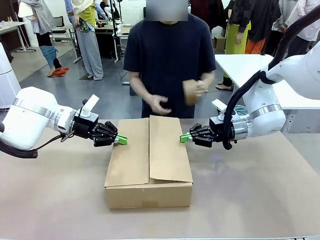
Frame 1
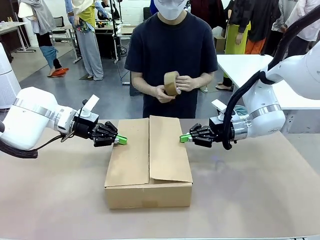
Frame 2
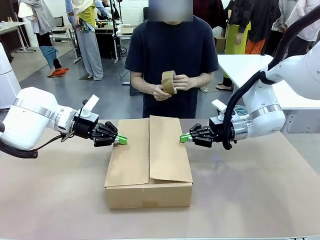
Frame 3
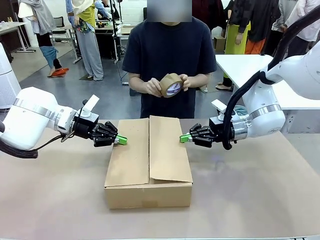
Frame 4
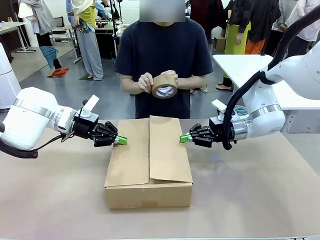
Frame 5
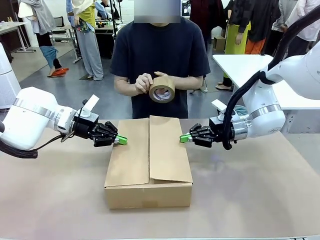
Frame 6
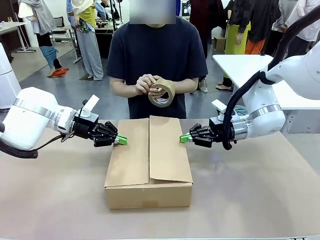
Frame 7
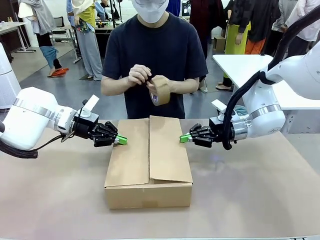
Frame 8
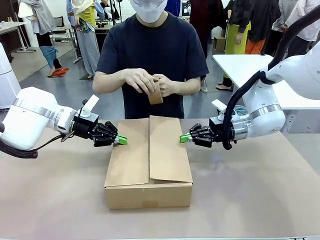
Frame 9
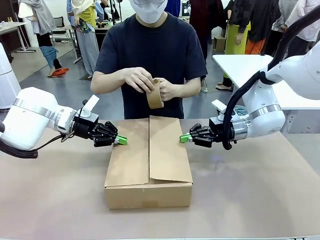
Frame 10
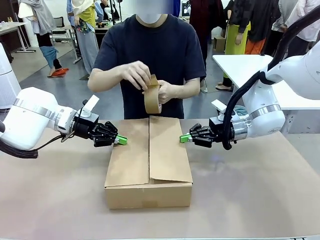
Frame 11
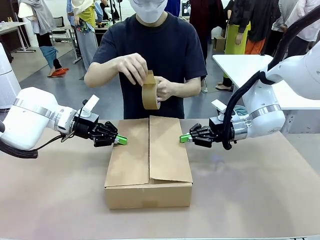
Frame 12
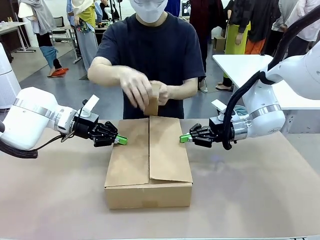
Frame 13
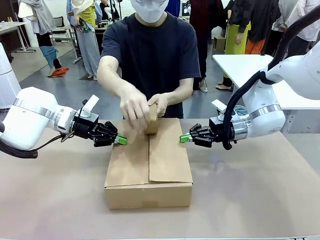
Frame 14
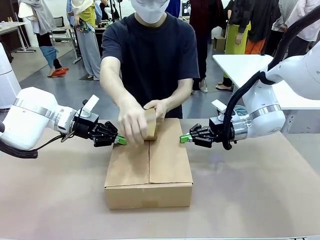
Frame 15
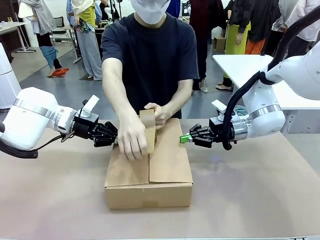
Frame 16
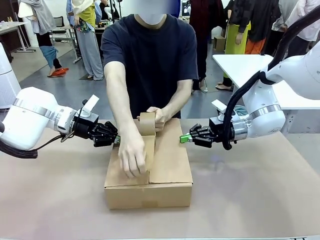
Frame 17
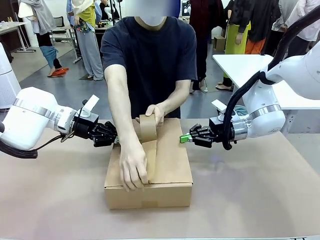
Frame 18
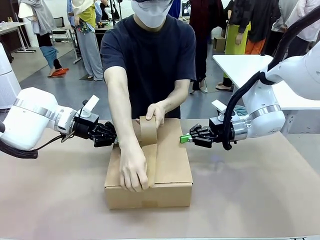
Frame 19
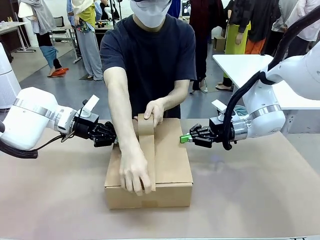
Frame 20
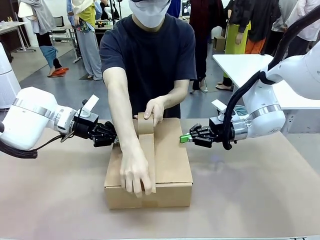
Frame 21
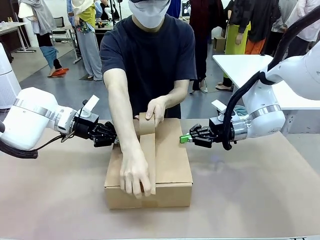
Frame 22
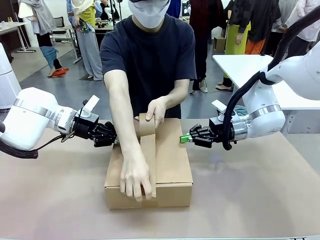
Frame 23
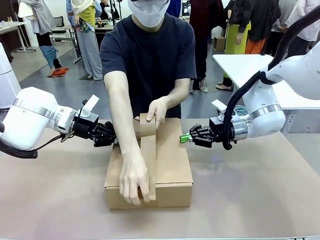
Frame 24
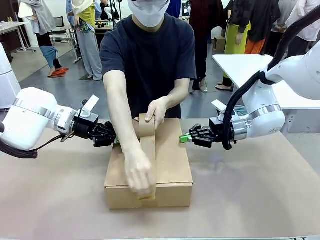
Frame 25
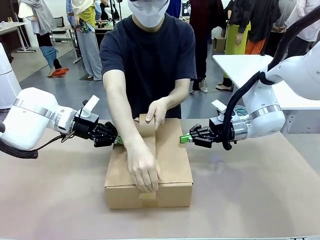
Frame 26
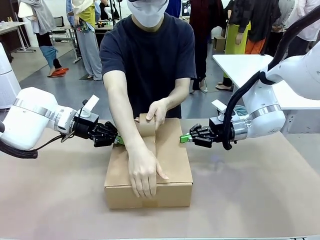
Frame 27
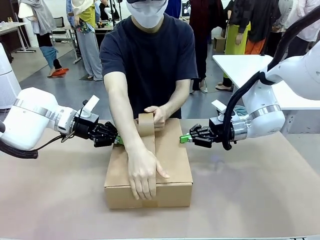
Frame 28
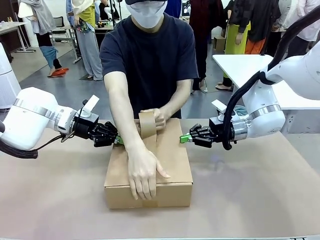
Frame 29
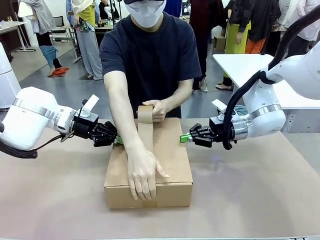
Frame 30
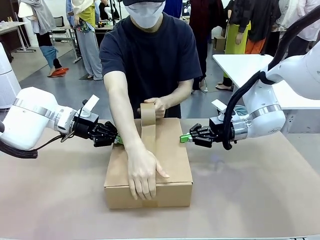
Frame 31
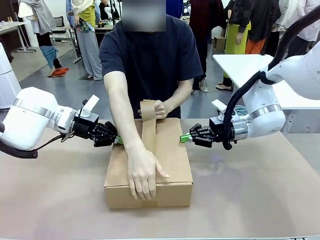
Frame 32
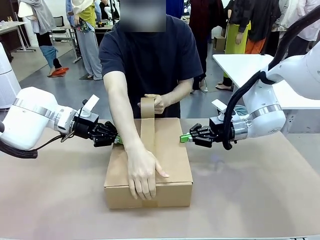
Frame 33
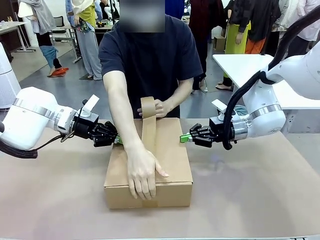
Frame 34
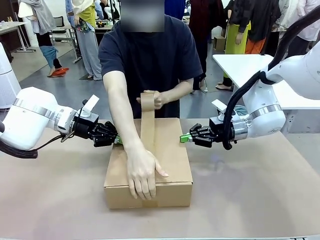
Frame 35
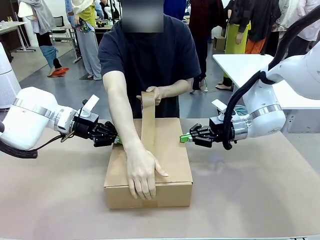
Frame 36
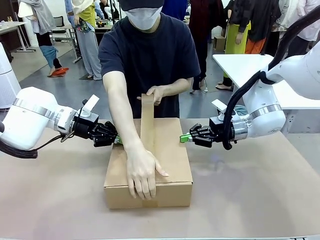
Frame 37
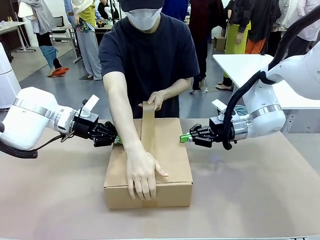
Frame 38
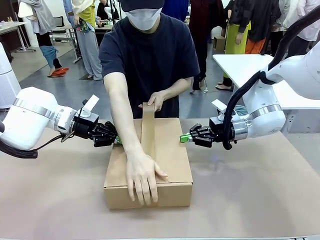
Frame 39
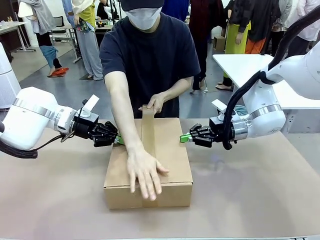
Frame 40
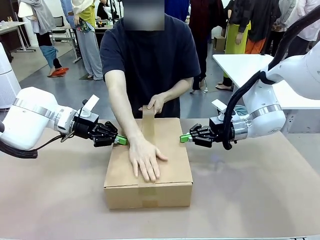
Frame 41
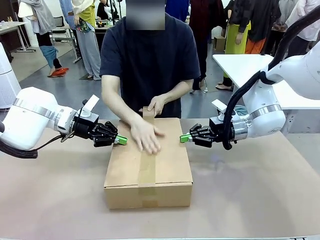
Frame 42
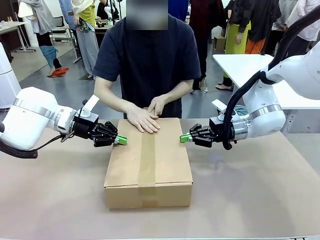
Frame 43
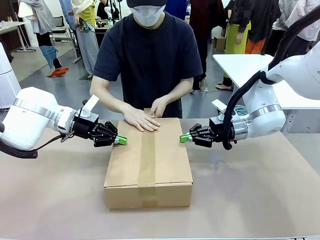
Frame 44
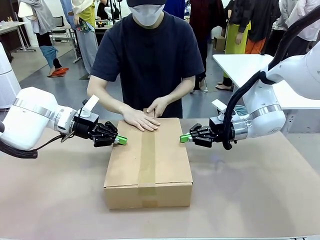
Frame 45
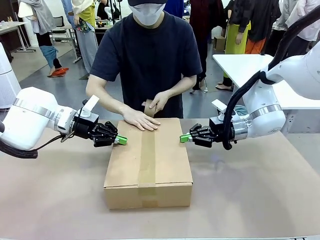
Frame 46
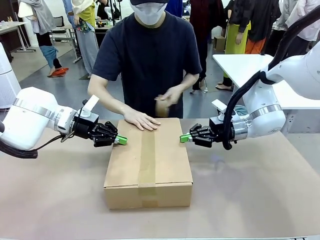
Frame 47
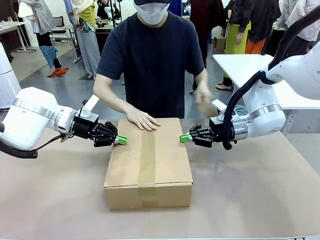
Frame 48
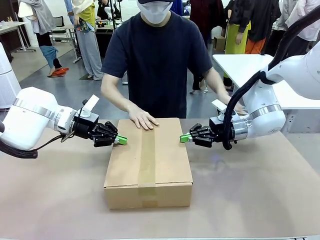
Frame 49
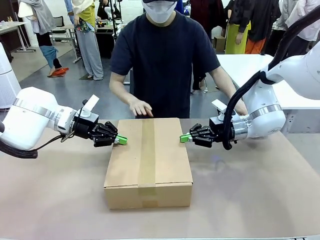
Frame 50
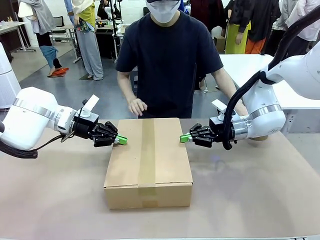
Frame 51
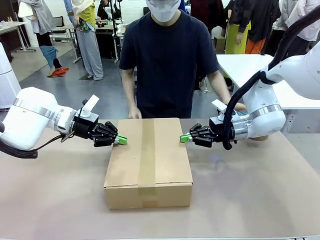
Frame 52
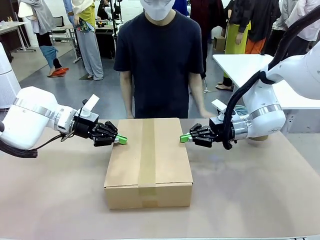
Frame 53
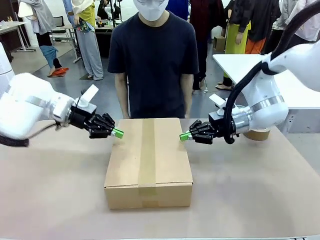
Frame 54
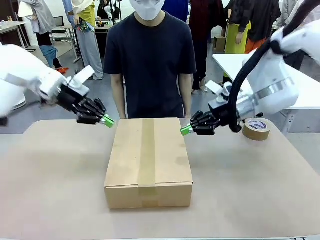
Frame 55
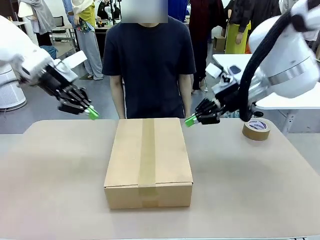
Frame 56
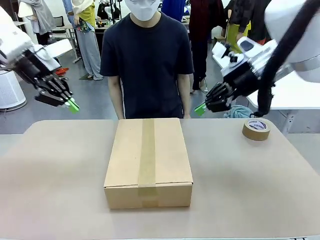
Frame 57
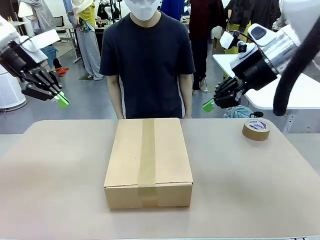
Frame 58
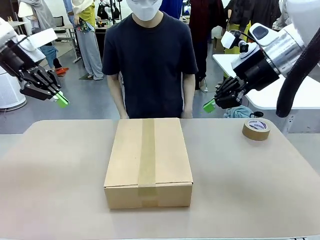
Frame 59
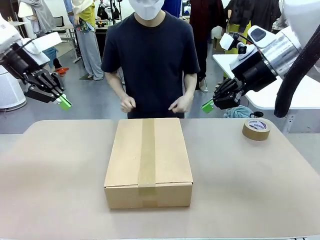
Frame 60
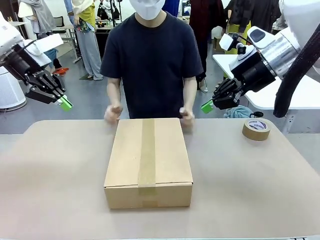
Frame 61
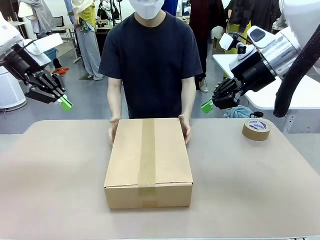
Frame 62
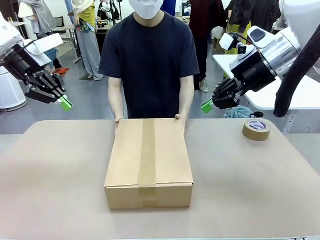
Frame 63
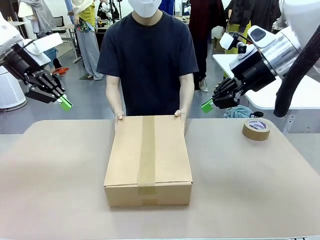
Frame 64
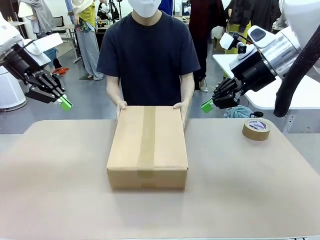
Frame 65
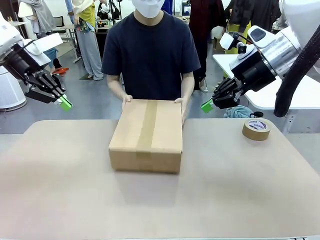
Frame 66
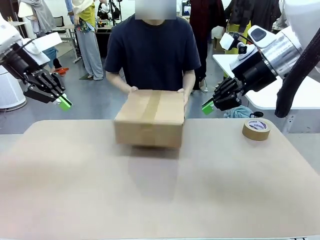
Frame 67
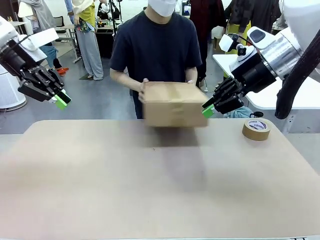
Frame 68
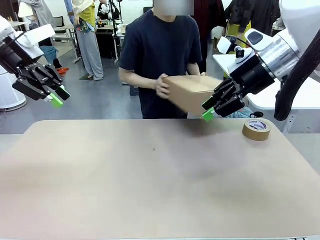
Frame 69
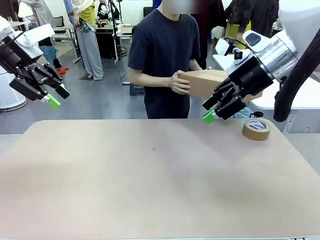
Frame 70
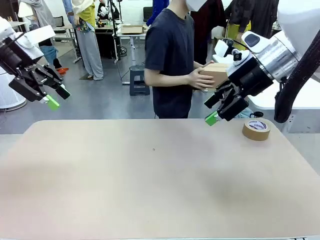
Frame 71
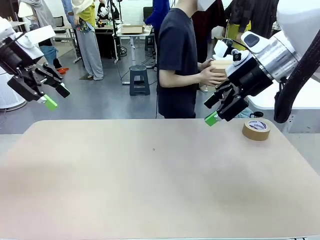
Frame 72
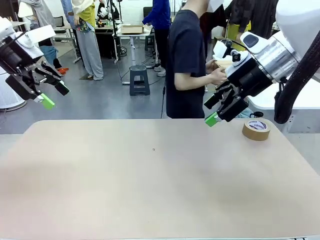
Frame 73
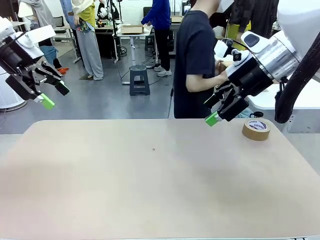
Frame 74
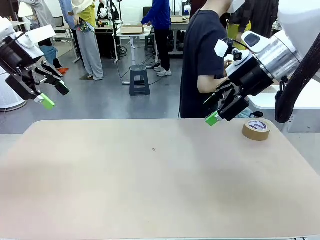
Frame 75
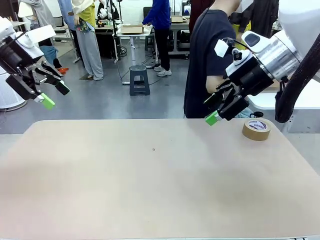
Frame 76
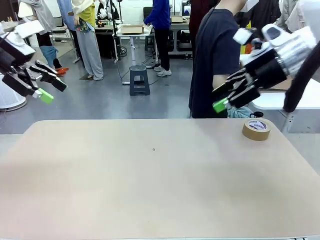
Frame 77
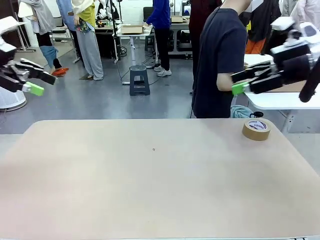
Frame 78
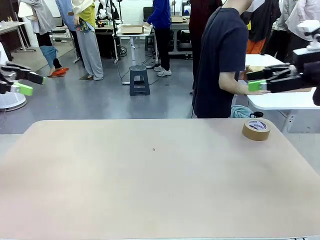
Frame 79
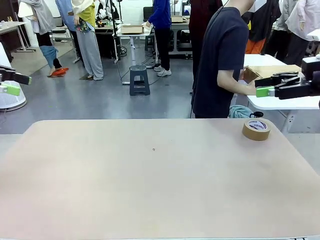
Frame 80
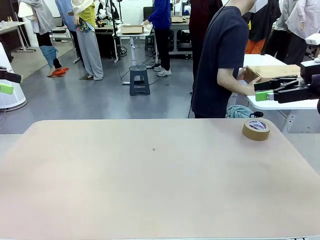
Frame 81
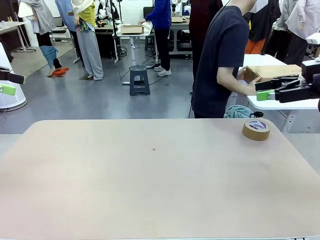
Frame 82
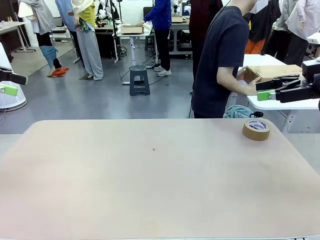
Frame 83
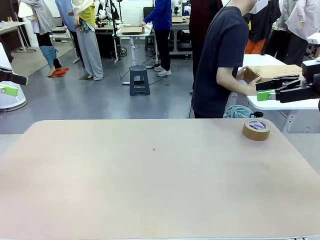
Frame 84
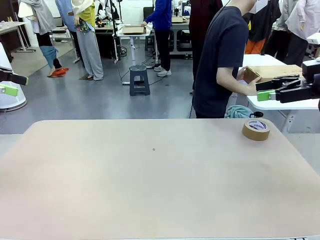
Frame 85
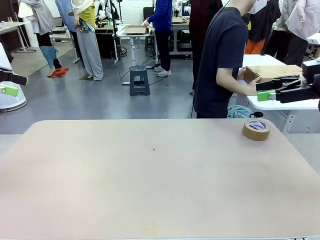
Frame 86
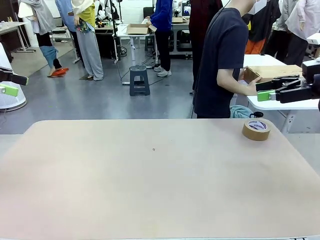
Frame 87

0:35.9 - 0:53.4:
Task: Wrap the clocks to prevent damage.
Robot: After the human seals the box with tape, release both hands from the side flaps of the Package Box.
Person: Once the robot closes the left flap of the Package Box , seal the box with Paper Tape. Place sealed Package Box in the middle of the human's table.
